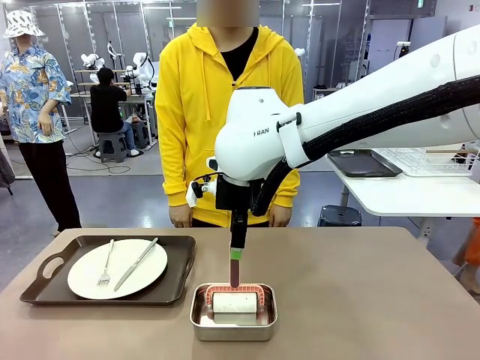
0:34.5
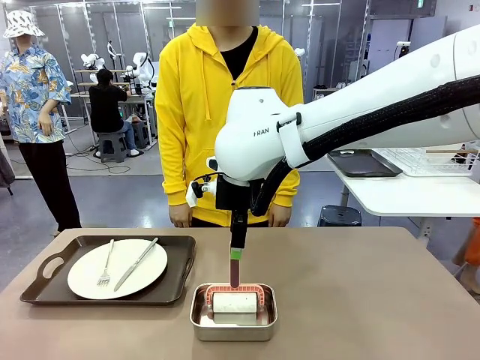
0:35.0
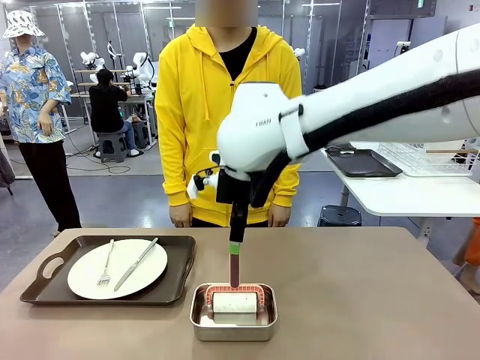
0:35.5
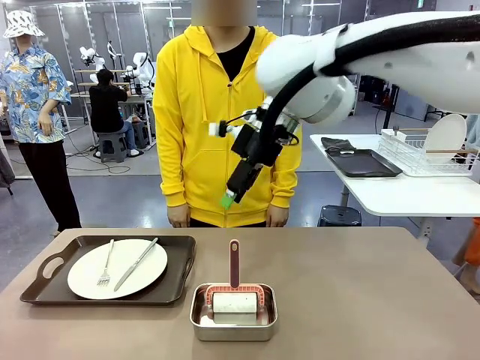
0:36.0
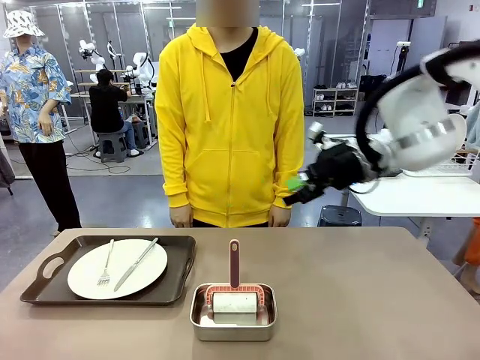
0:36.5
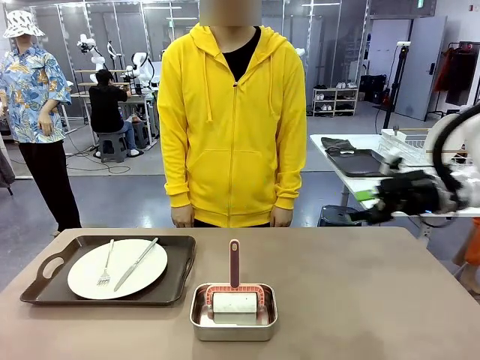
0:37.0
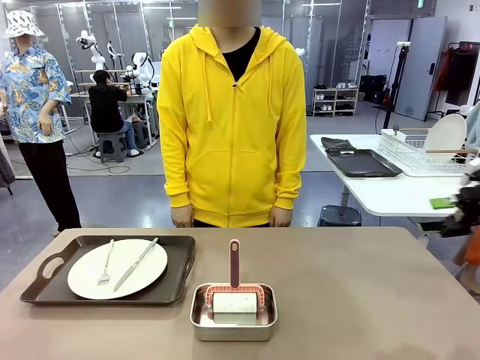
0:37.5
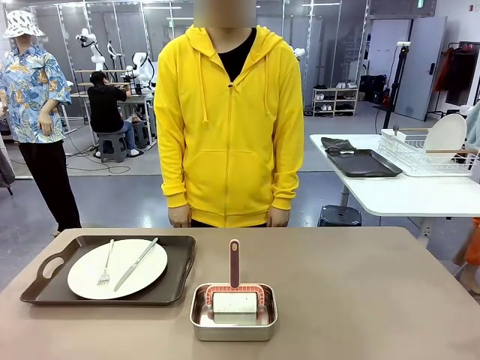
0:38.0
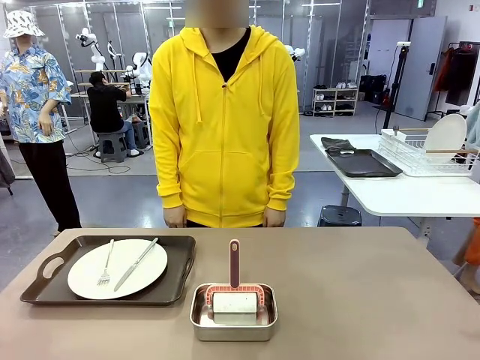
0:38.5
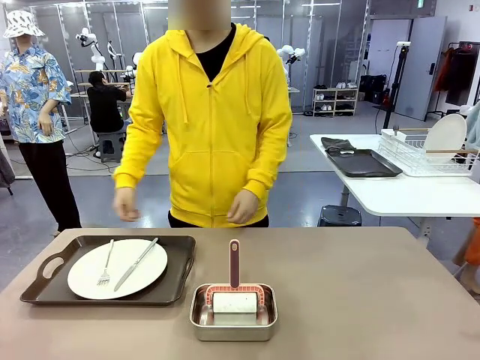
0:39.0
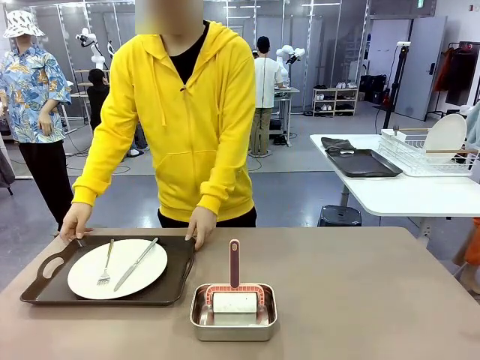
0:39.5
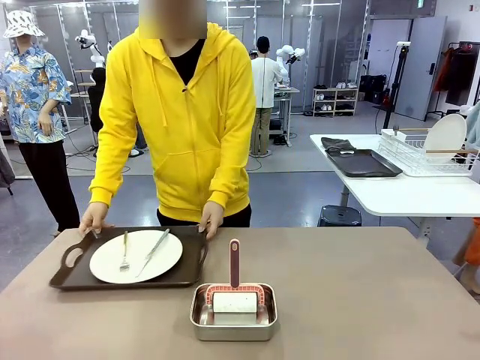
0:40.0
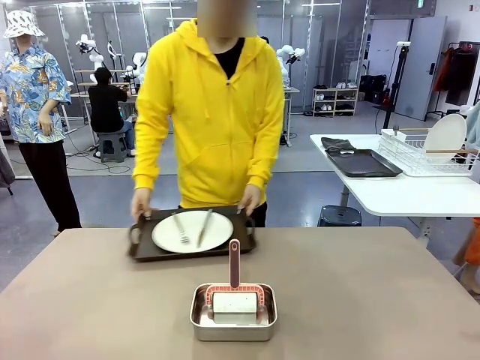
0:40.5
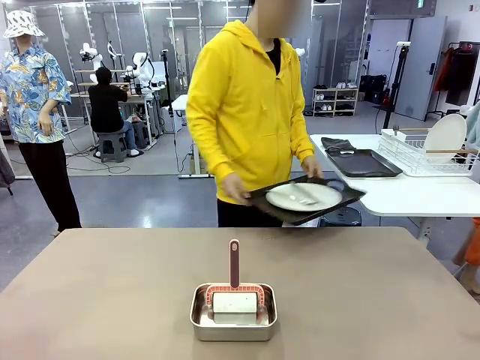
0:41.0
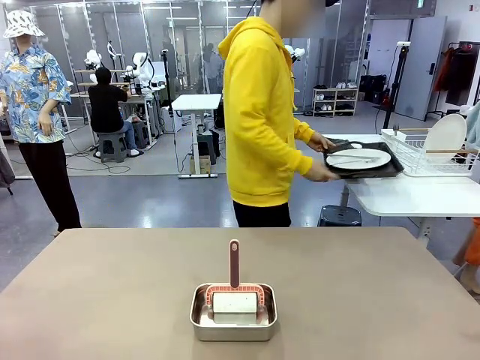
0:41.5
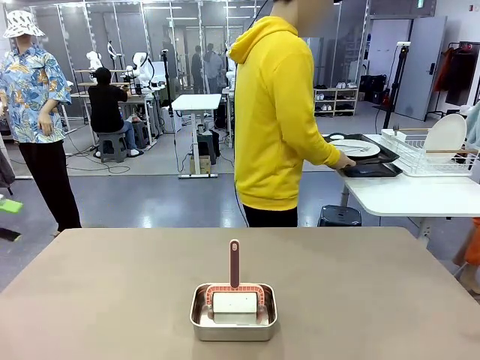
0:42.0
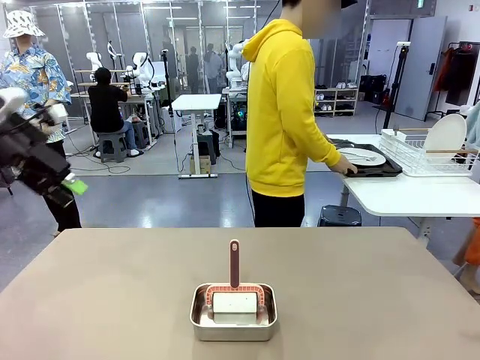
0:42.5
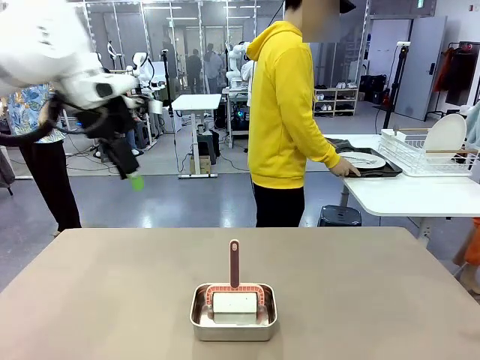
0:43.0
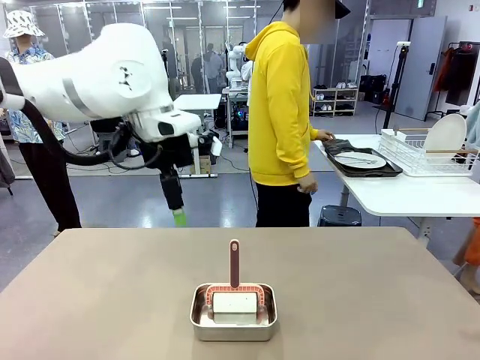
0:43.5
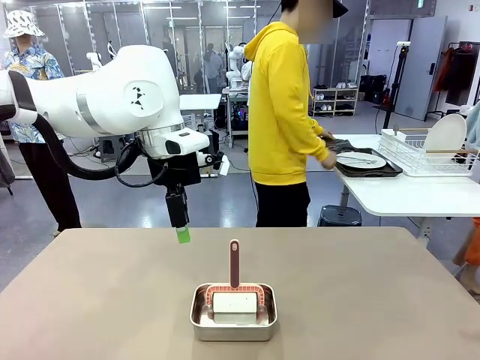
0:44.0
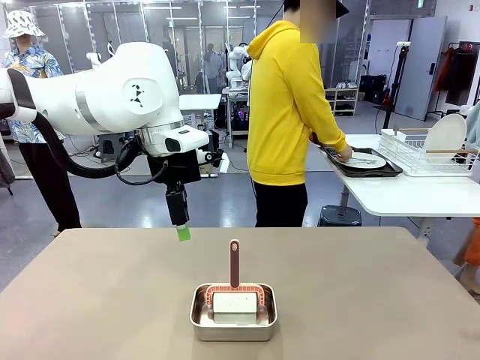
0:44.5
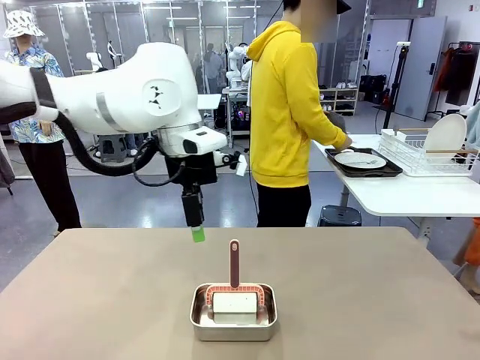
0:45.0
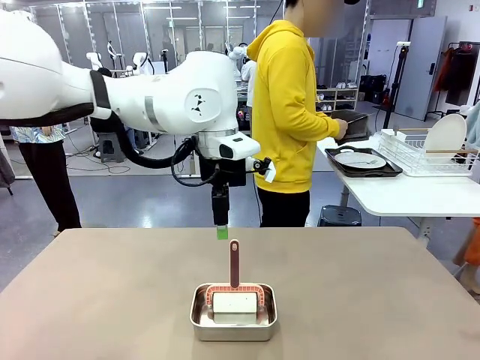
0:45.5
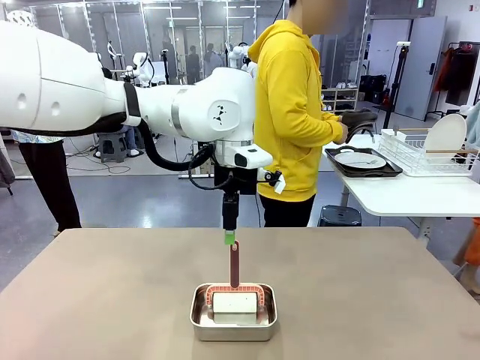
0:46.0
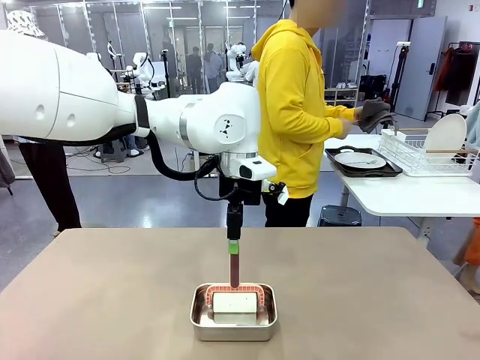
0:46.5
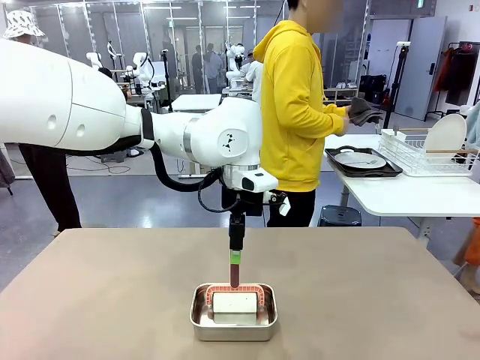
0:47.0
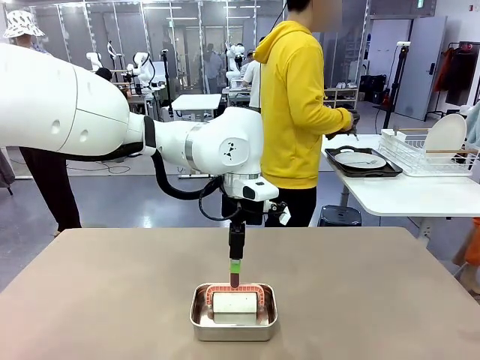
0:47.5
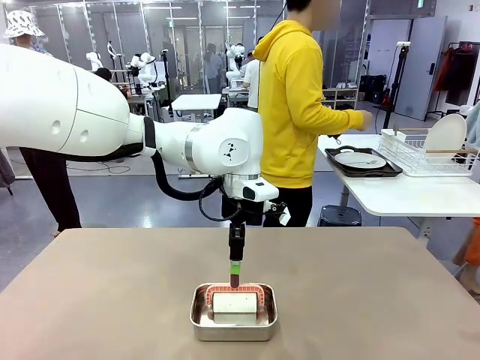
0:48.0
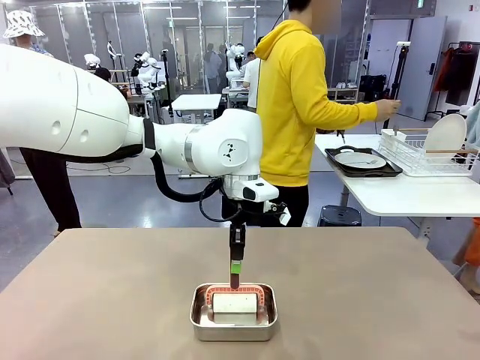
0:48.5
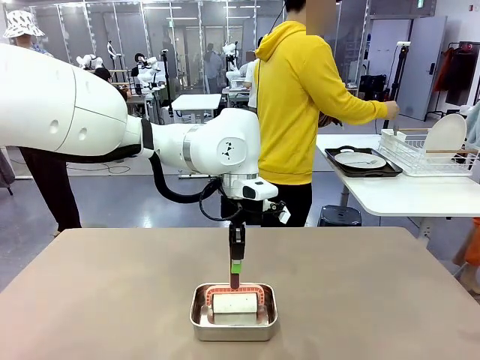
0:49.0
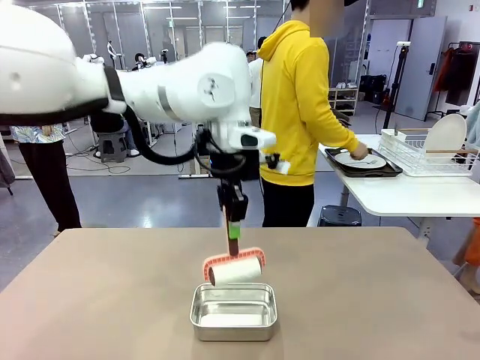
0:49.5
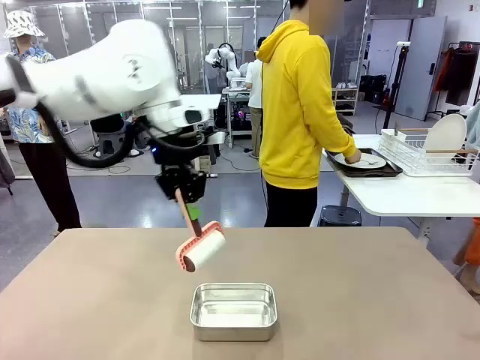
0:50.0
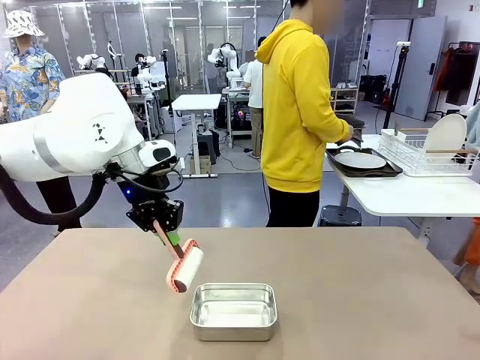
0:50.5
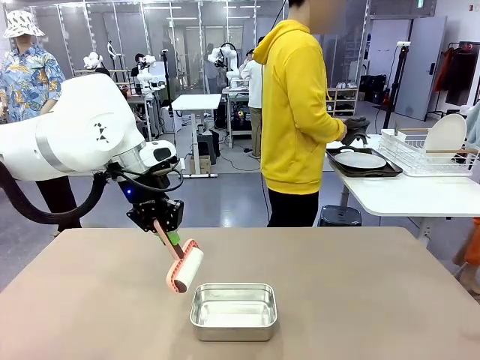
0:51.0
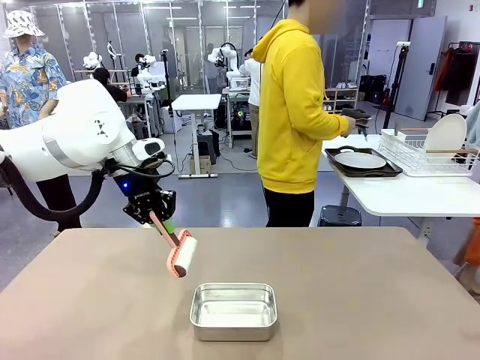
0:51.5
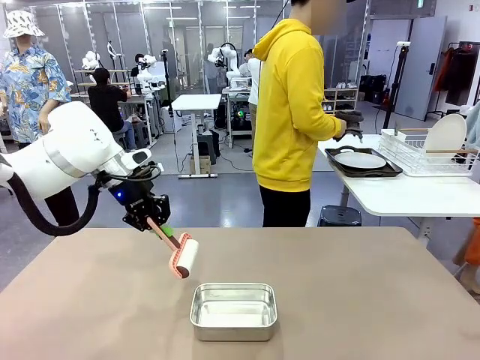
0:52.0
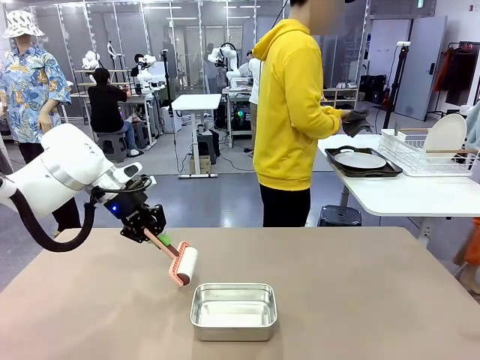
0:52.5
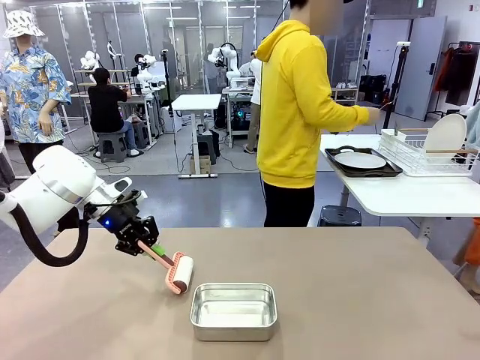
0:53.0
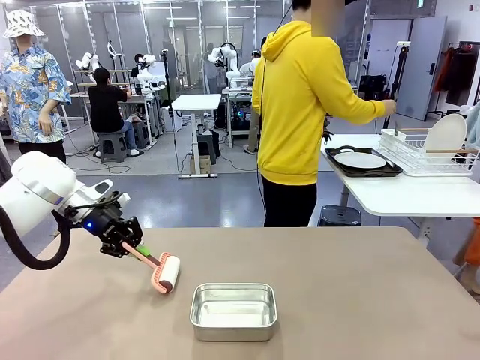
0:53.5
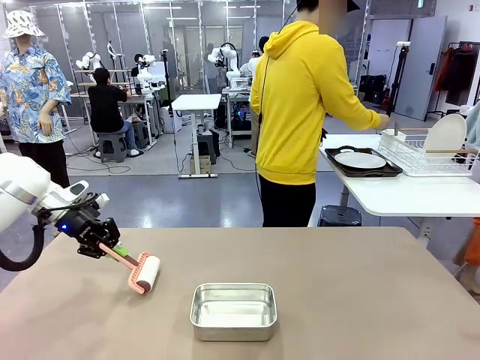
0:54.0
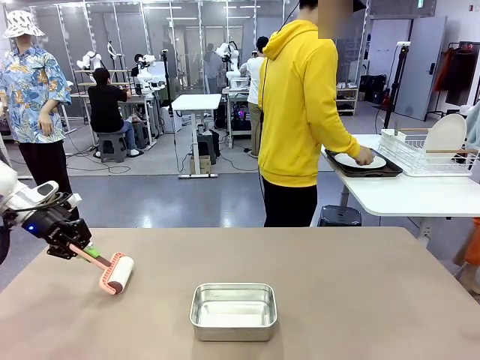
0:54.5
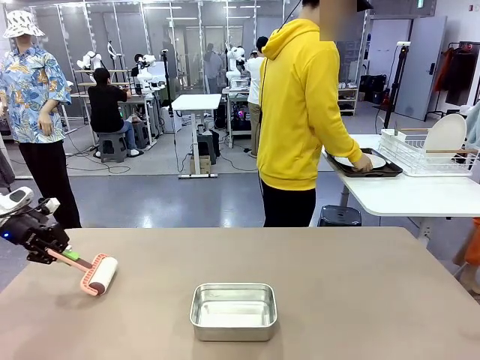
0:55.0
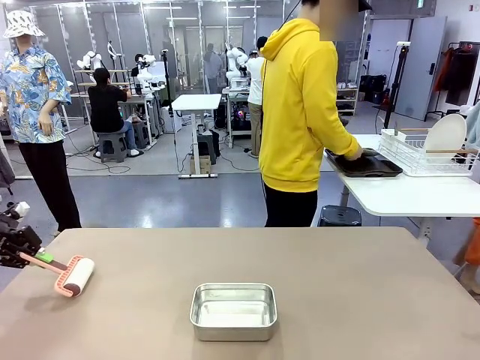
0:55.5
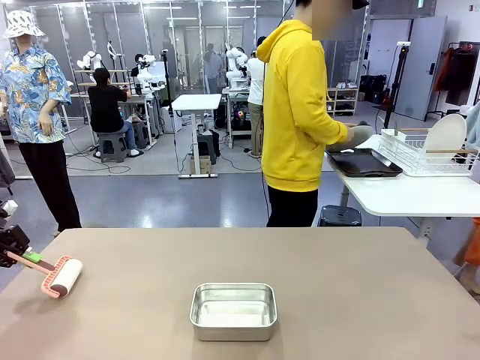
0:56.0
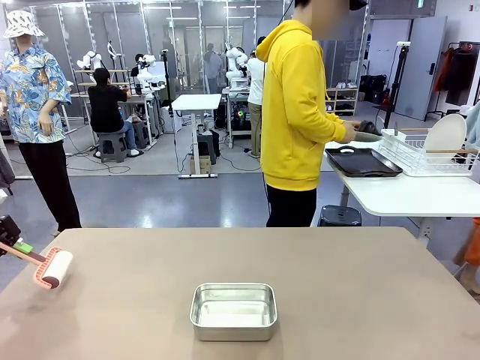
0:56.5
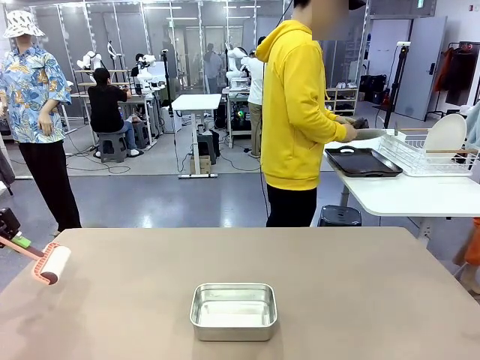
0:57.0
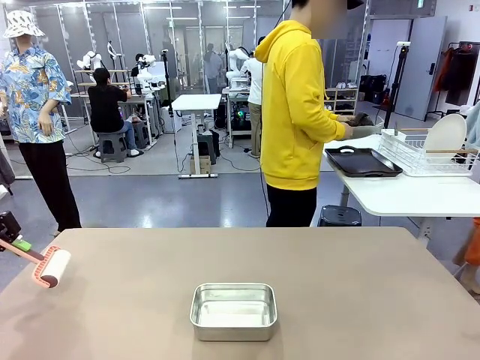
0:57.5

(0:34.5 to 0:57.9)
Robot: When the right (or left) Handle tray is removed, use the right hand (or left hand) to clean the right (or left) side of the table with the Lint Roller.
Person: Pick up the left (or right) Handle tray and place it on the Handle tray. Use the Towel with hook to wipe the Plastic Matte Plate , Fork , and Knife and place into the Dish drying rack.

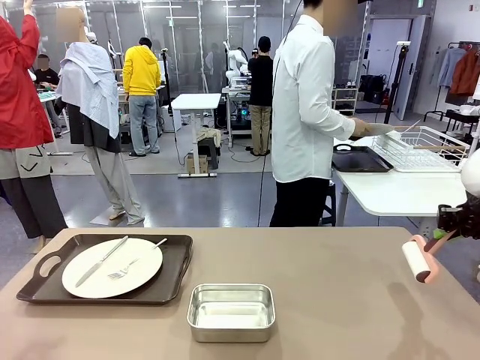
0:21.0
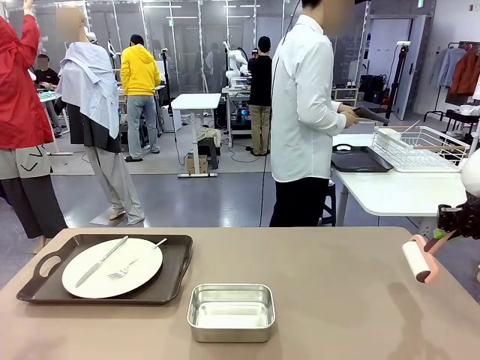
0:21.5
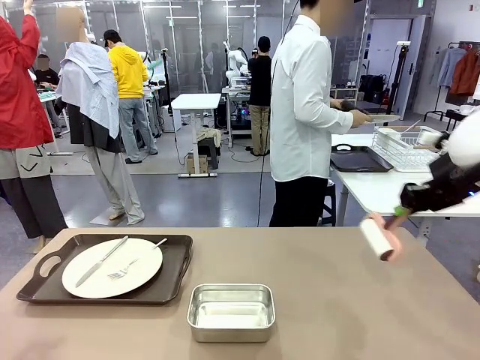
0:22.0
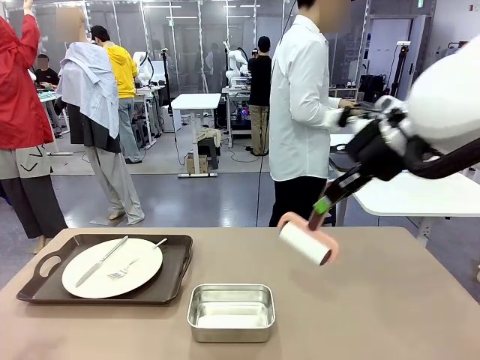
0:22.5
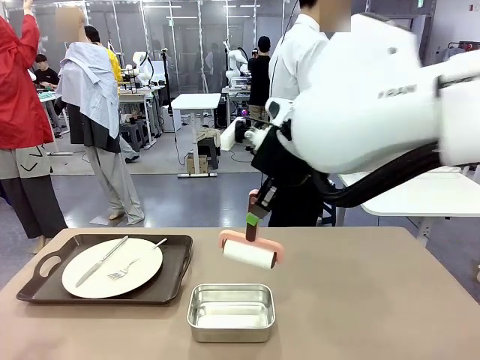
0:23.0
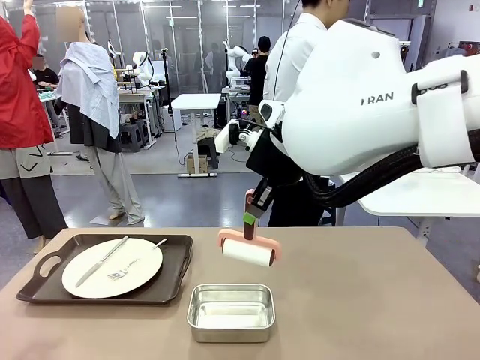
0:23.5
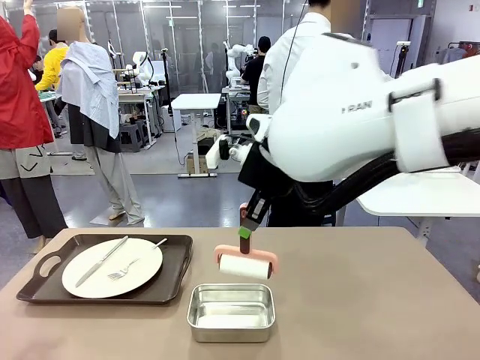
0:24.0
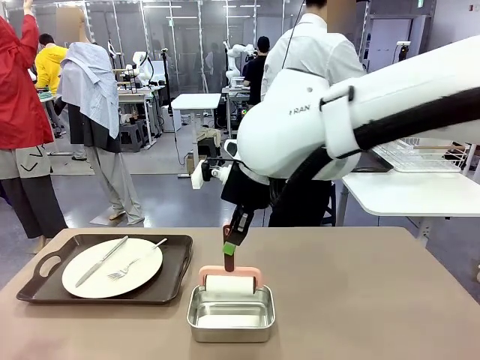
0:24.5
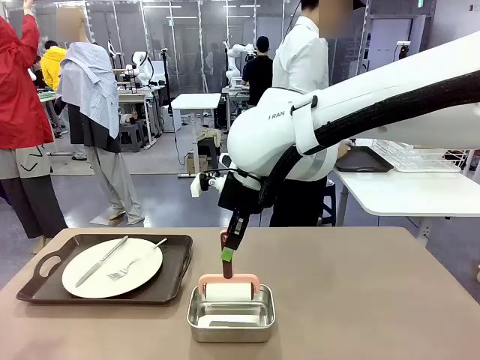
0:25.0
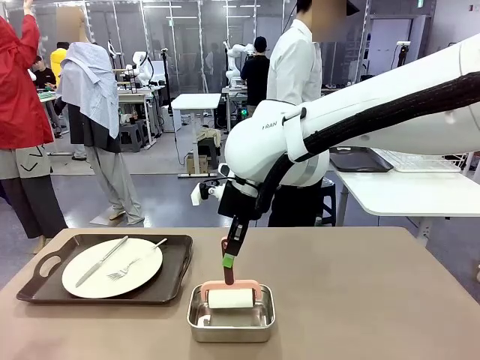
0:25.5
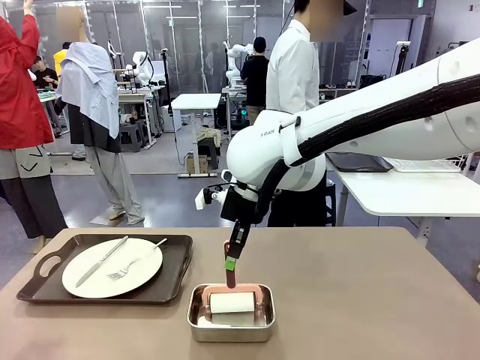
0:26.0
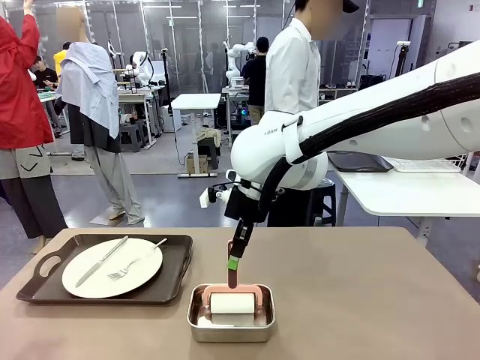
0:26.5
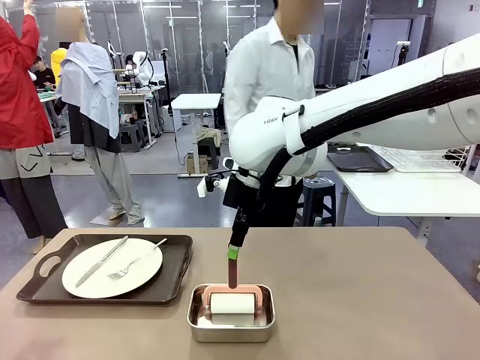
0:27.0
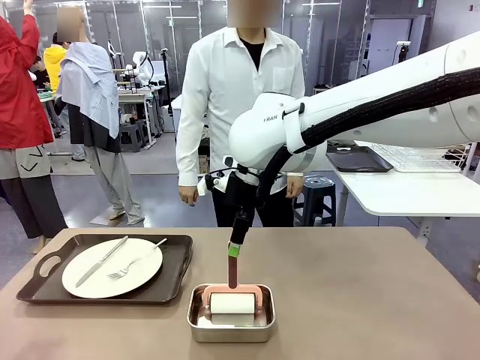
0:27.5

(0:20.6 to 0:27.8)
Robot: Place the Lint Roller back on top of the Airtight Container.
